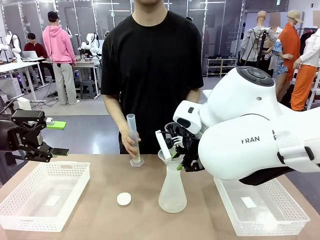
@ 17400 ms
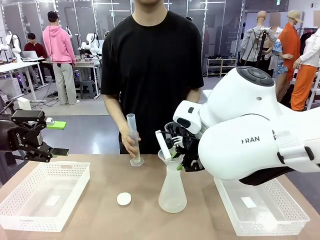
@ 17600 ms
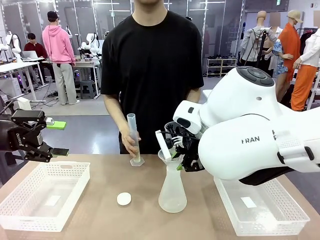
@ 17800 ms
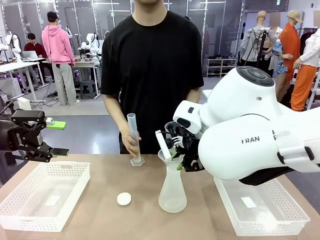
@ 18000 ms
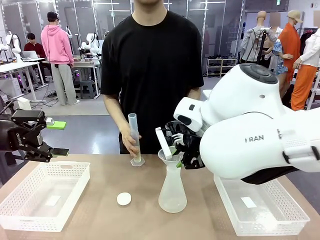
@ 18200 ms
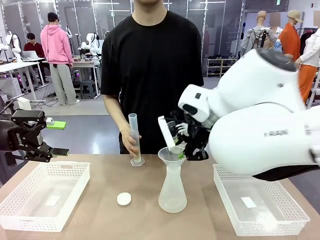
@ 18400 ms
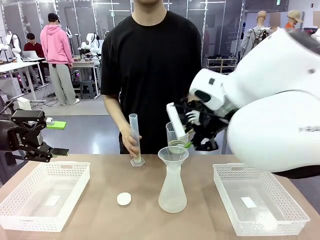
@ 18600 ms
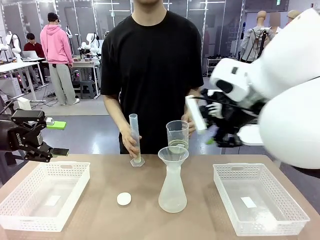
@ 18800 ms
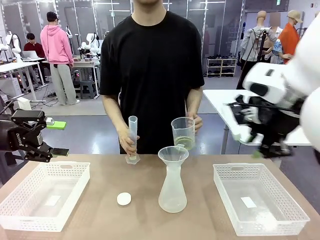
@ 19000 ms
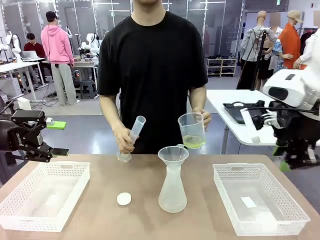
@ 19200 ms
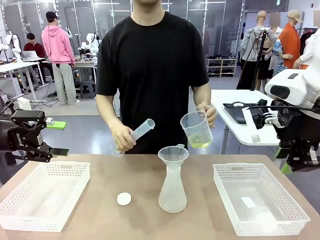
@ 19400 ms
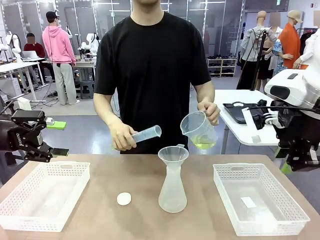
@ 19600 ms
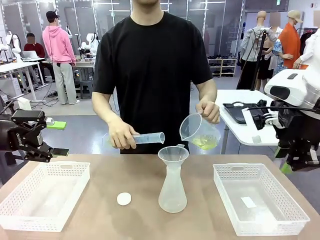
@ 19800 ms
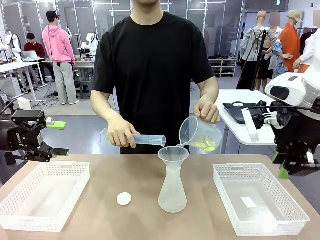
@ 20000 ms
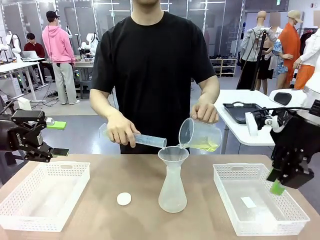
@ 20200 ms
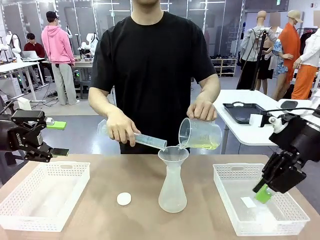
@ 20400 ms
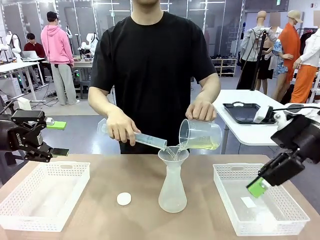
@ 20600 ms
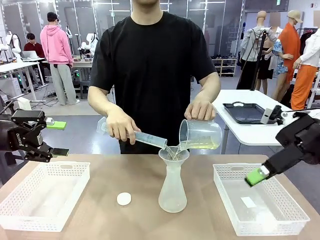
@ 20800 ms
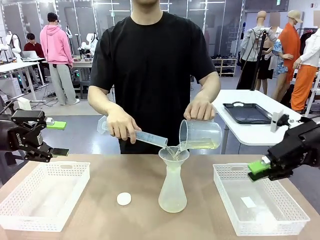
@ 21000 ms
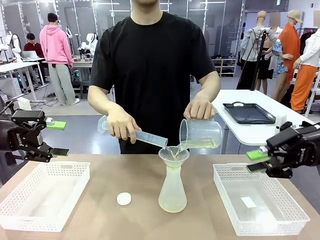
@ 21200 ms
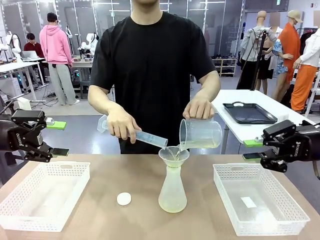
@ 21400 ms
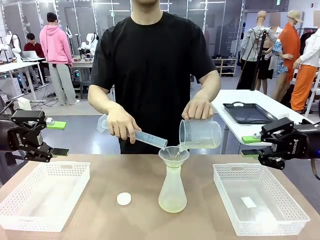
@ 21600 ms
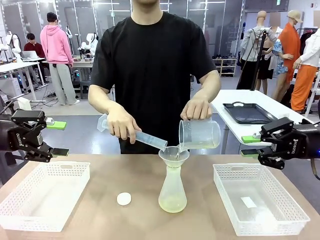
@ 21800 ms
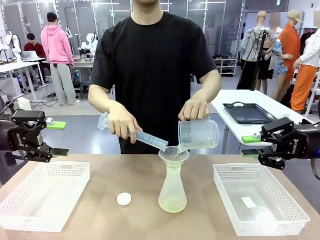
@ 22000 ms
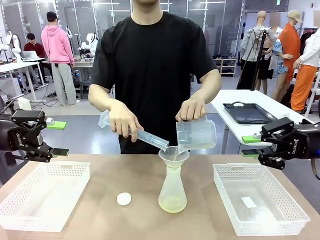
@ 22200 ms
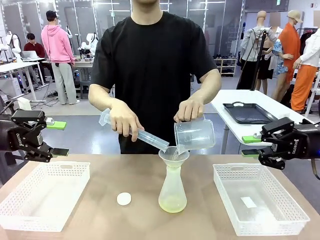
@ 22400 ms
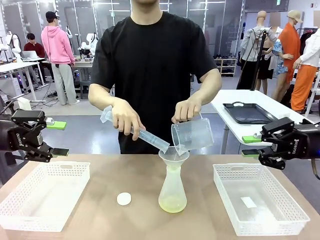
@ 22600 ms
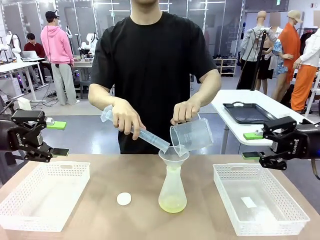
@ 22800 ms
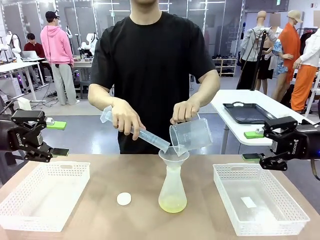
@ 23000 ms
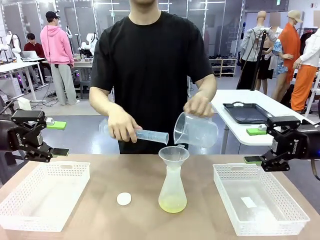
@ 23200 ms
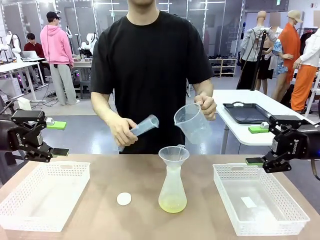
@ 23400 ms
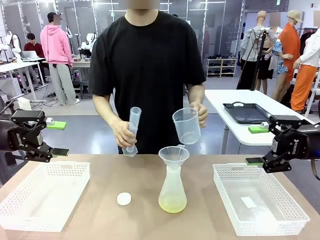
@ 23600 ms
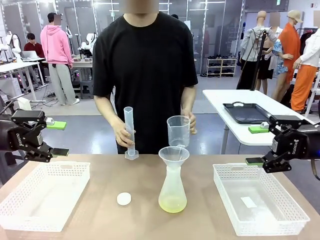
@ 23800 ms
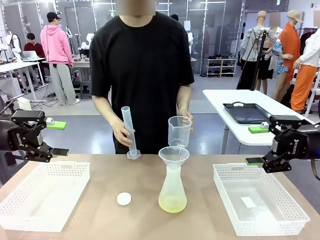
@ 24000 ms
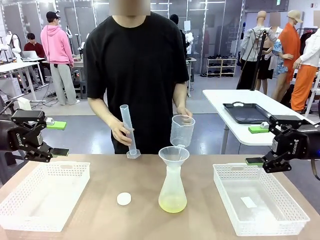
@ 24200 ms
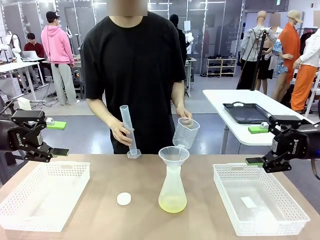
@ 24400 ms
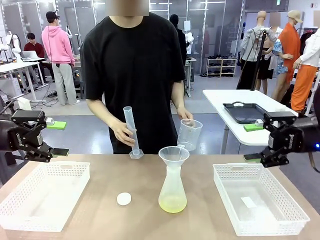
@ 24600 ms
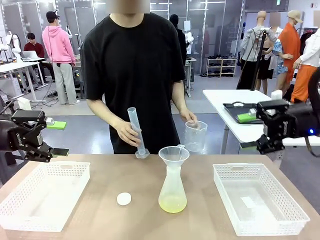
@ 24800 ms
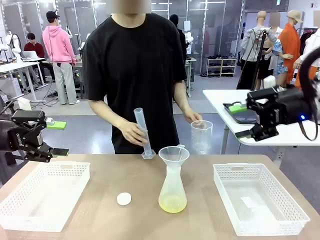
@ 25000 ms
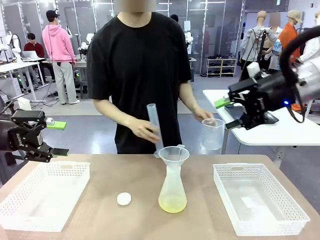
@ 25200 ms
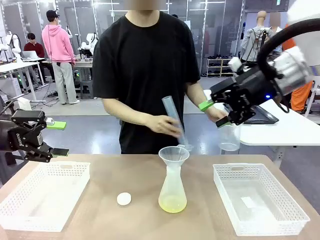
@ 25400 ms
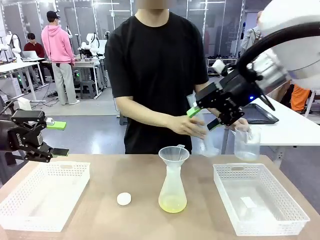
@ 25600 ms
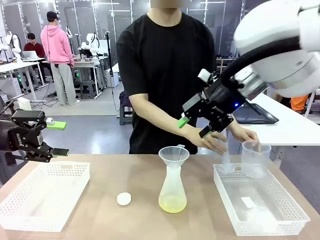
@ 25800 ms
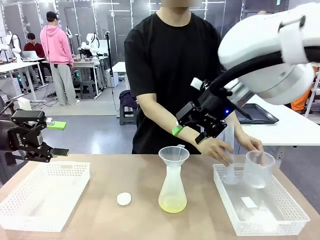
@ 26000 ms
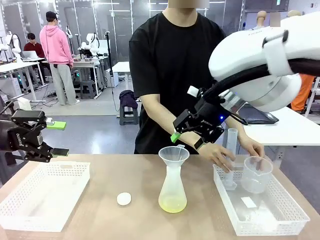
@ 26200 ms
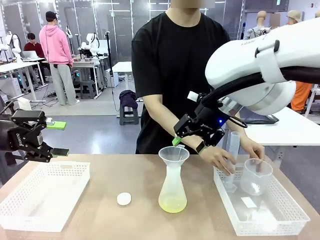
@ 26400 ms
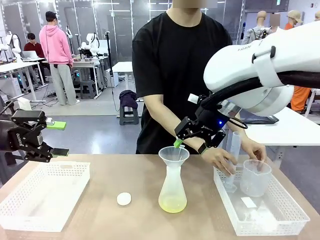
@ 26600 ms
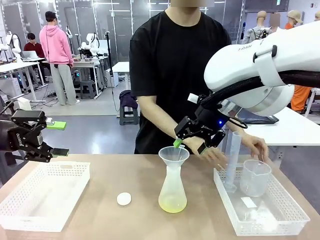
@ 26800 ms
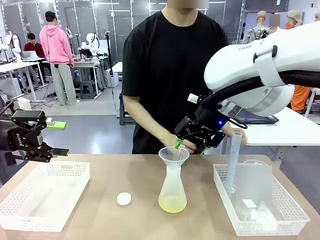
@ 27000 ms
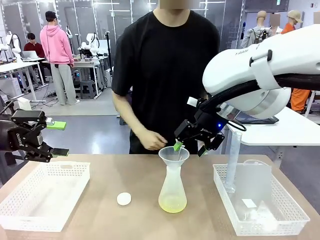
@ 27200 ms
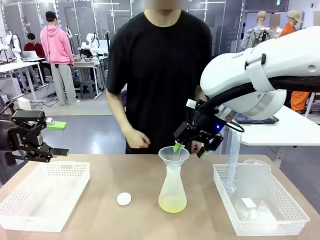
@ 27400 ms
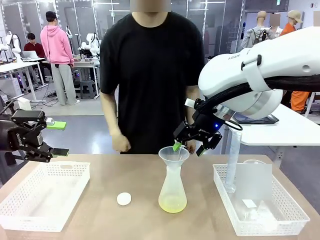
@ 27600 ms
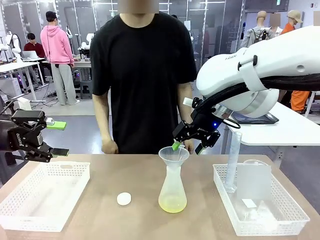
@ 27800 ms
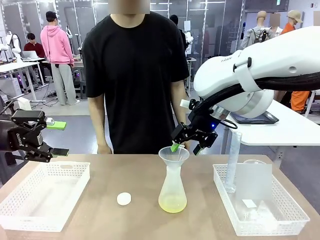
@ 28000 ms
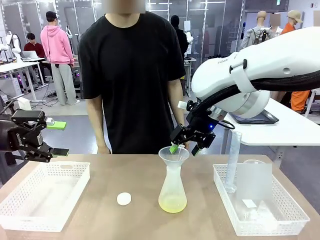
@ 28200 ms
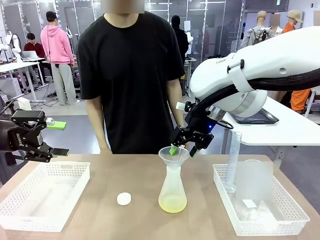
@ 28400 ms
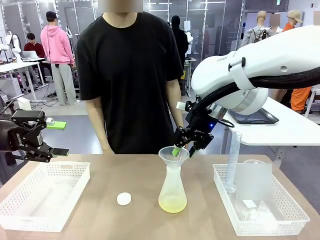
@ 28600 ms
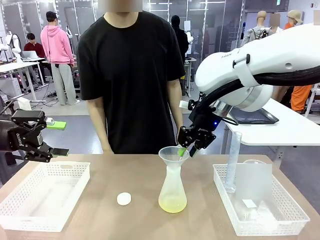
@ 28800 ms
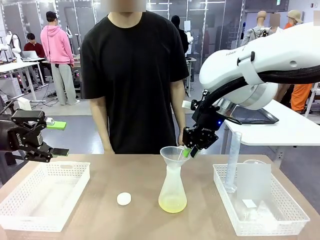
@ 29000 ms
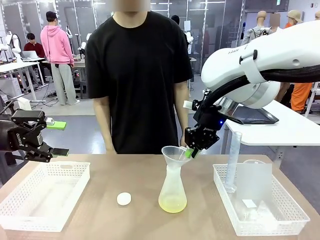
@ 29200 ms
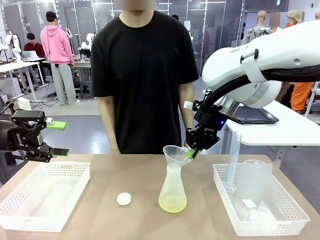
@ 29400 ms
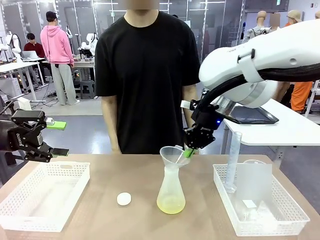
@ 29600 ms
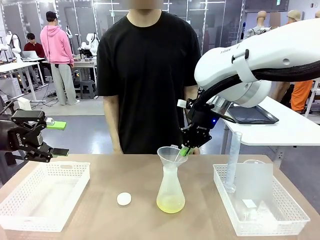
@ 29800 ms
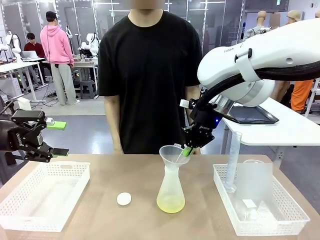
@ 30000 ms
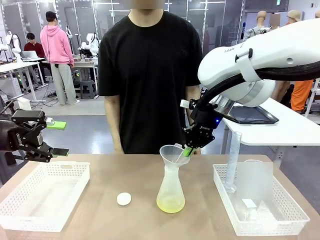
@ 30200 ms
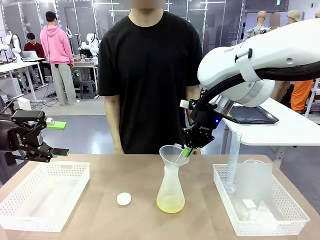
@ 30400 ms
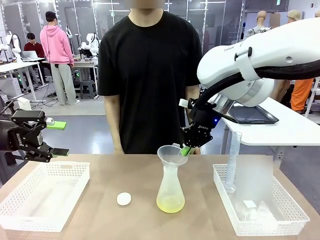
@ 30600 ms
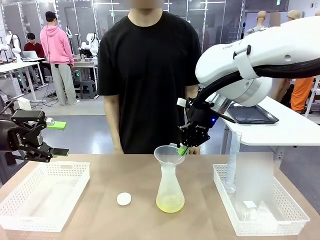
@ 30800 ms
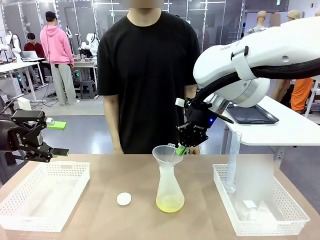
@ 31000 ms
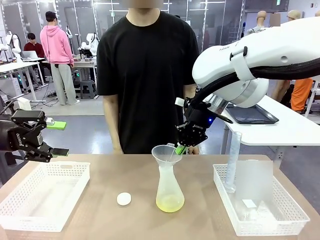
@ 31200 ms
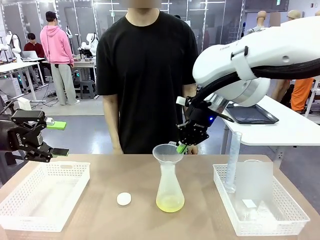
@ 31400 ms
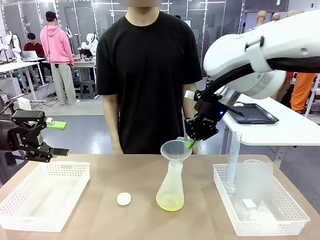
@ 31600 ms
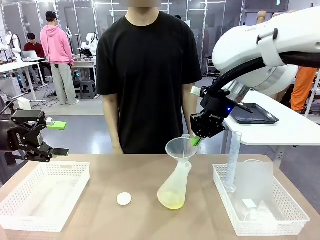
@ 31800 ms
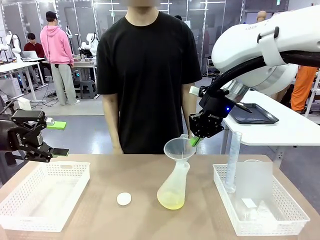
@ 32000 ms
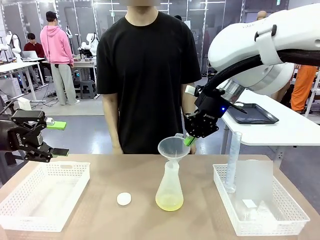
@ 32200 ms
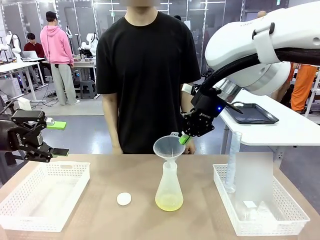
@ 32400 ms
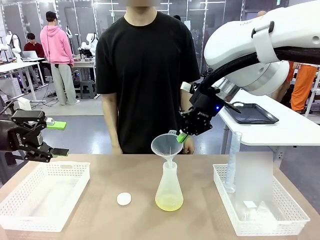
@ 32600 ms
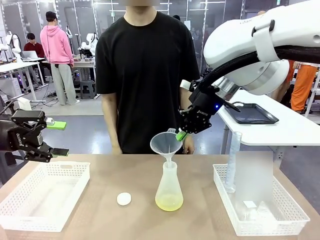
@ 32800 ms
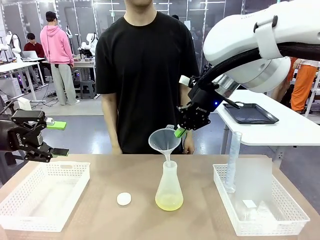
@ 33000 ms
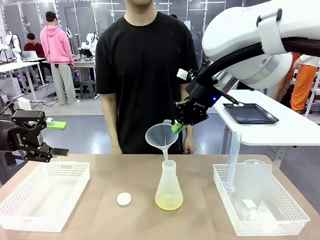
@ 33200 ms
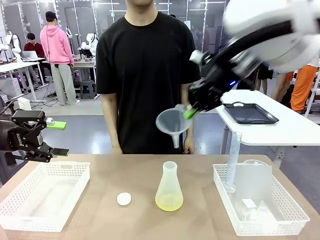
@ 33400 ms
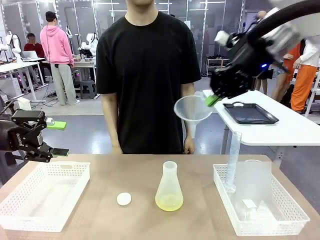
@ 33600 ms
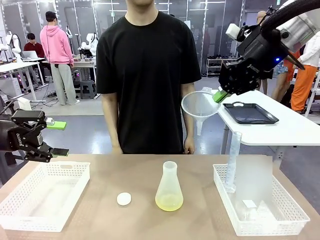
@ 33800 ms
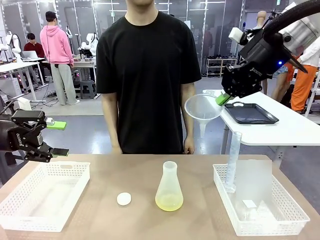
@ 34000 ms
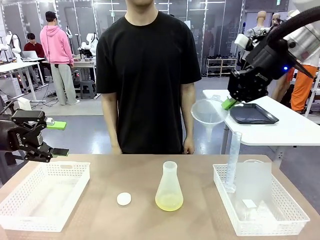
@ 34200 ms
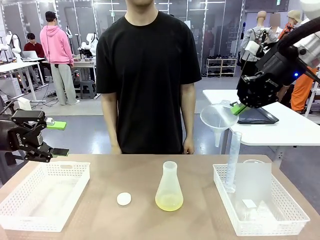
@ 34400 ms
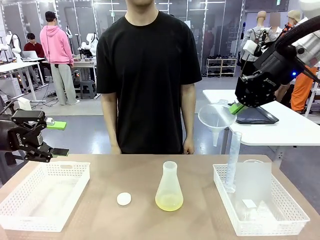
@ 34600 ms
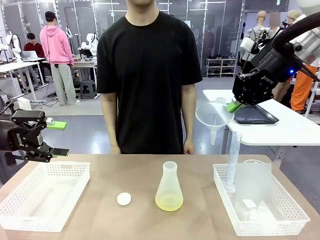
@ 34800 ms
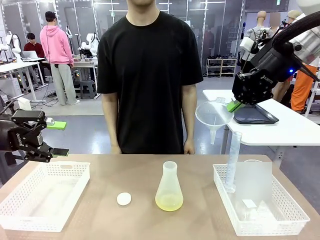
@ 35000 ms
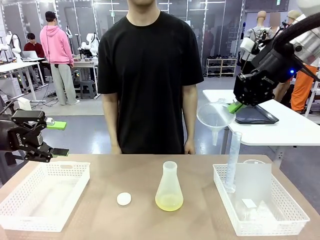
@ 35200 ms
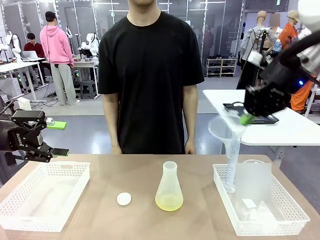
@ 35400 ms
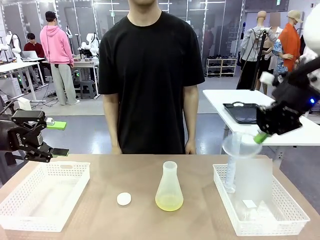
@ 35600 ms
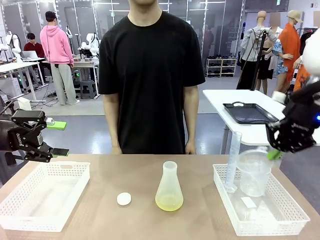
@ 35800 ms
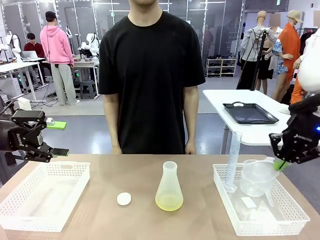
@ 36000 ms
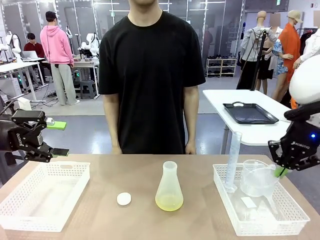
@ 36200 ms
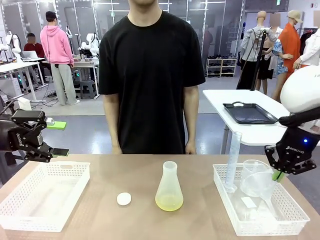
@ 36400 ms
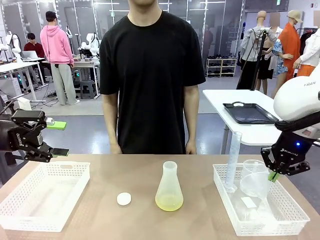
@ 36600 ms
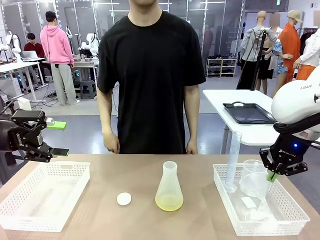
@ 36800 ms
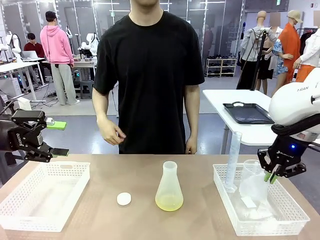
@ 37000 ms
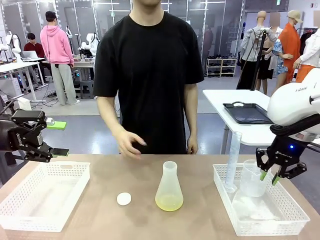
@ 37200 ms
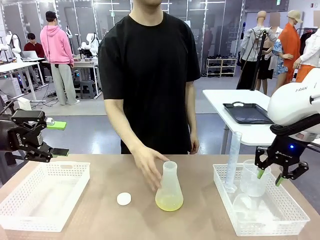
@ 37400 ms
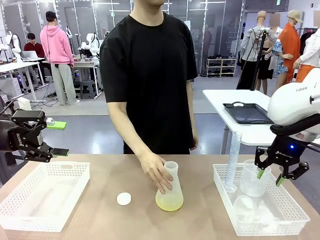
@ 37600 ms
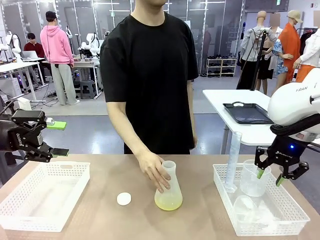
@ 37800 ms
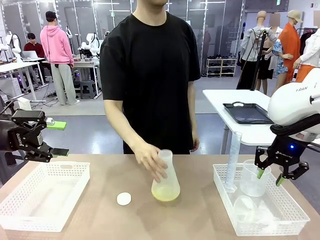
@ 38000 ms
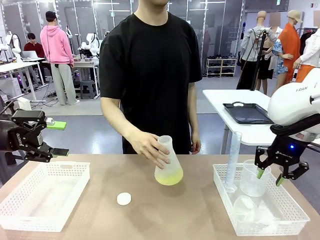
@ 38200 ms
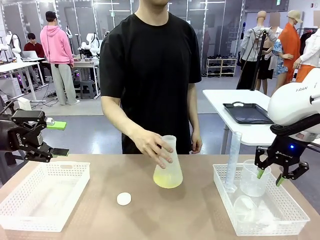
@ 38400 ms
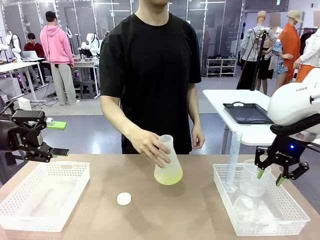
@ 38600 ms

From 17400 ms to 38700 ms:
Task: Prepare the solutions needed for the experiment.
Robot: Once the solution is in the Big flask , pick up the Plastic Funnel and place it back into the right Organizing basket.
Person: Place the beaker and the cylinder into the organizing basket on the left side. Pick up the flask, gently shake it 2–3 times, place it in the middle of the robot table, and close the lid.
